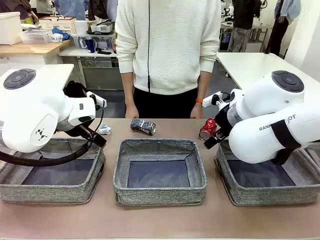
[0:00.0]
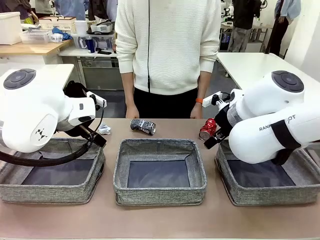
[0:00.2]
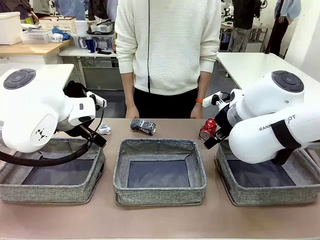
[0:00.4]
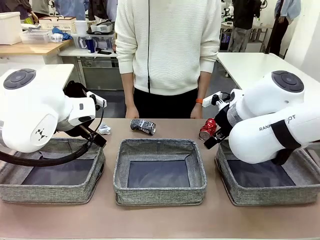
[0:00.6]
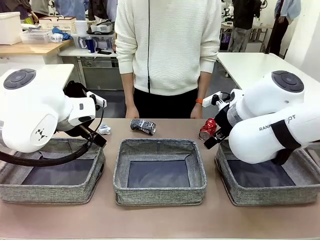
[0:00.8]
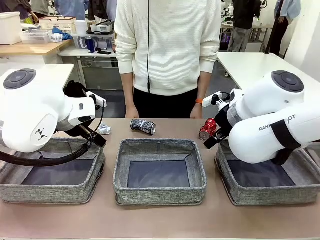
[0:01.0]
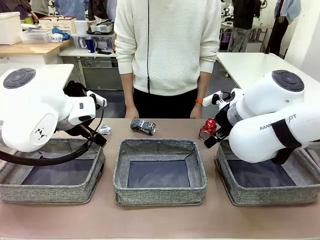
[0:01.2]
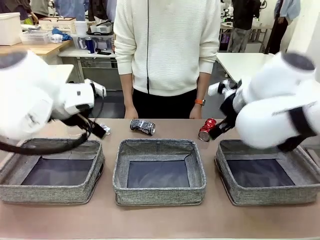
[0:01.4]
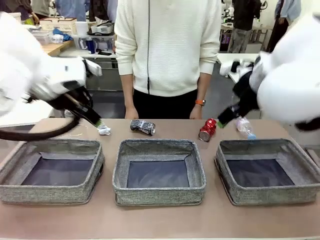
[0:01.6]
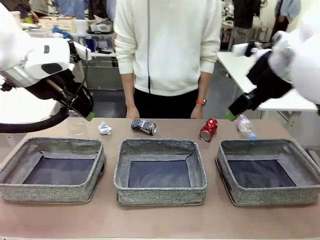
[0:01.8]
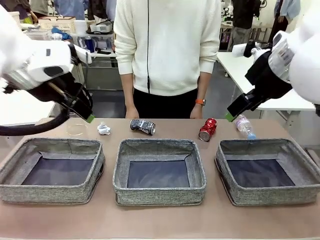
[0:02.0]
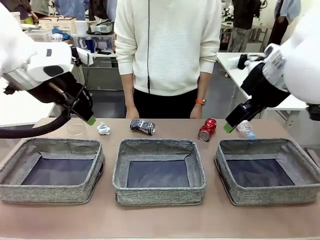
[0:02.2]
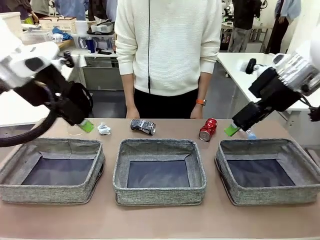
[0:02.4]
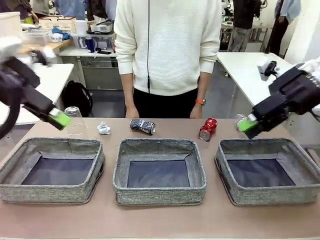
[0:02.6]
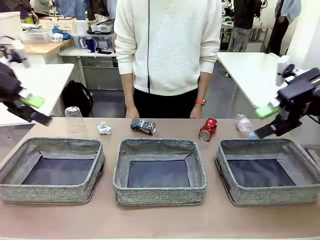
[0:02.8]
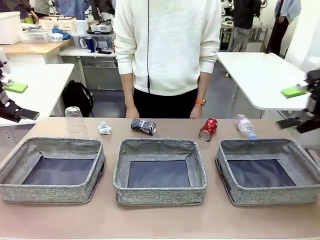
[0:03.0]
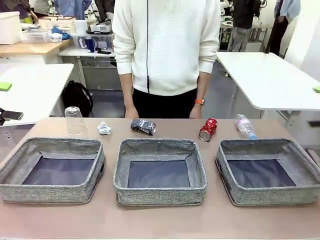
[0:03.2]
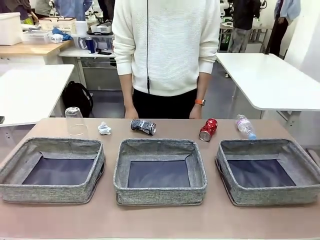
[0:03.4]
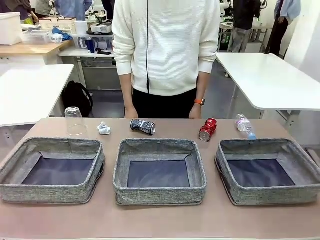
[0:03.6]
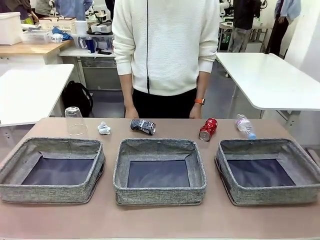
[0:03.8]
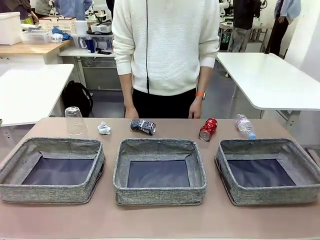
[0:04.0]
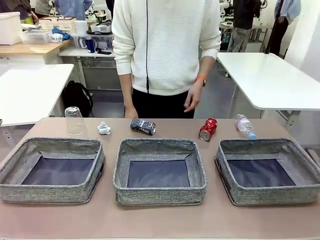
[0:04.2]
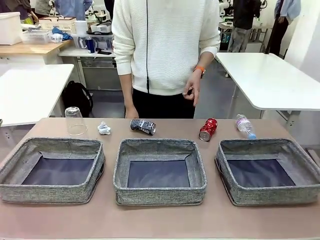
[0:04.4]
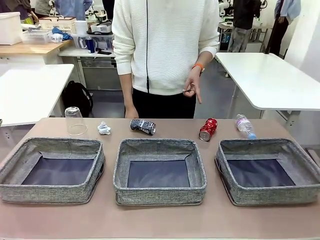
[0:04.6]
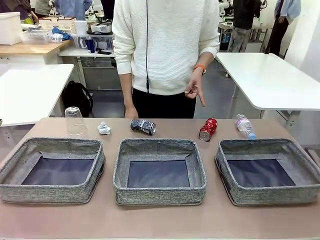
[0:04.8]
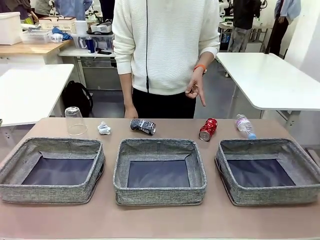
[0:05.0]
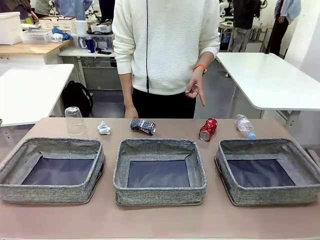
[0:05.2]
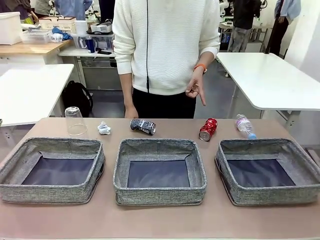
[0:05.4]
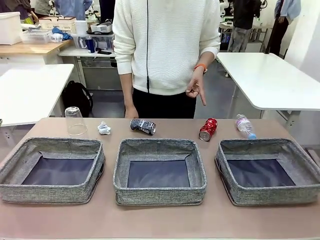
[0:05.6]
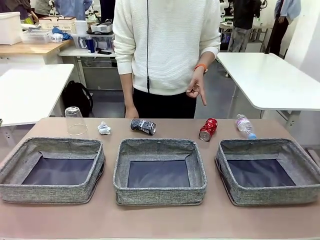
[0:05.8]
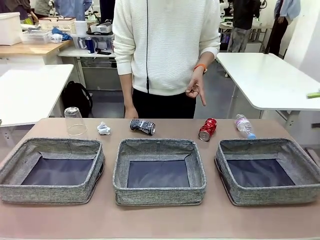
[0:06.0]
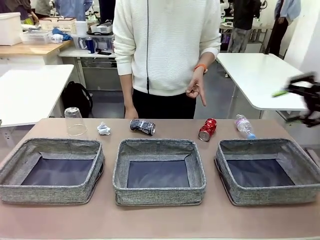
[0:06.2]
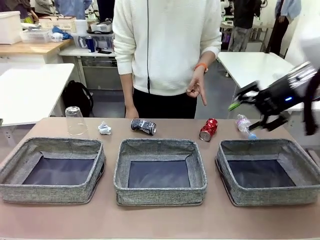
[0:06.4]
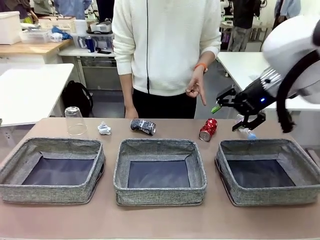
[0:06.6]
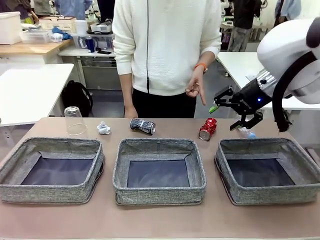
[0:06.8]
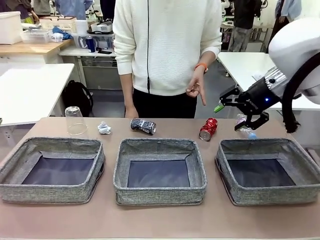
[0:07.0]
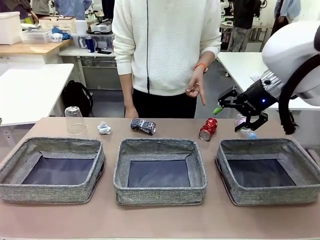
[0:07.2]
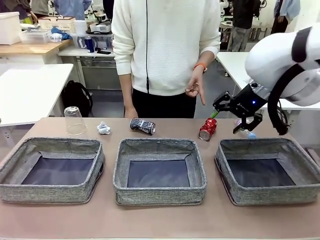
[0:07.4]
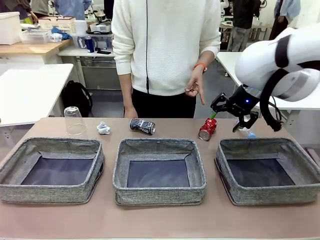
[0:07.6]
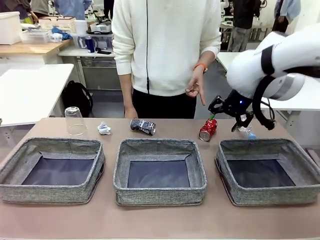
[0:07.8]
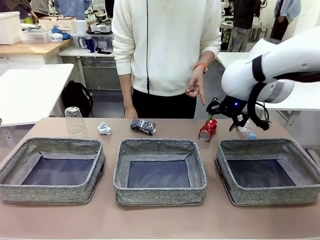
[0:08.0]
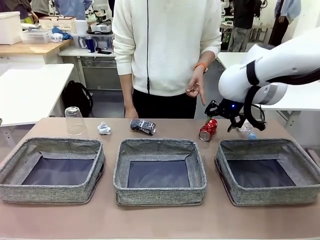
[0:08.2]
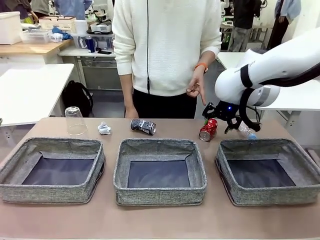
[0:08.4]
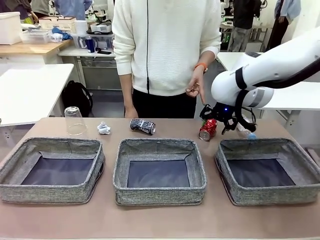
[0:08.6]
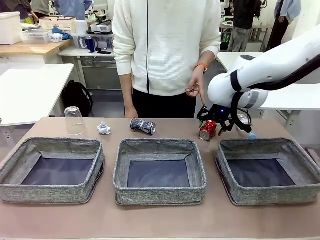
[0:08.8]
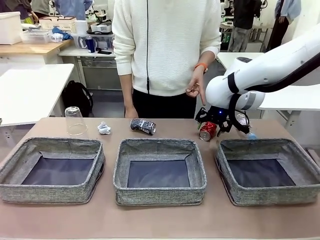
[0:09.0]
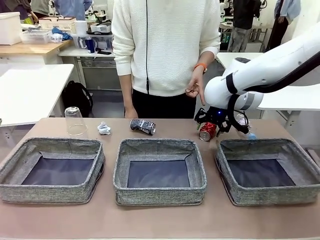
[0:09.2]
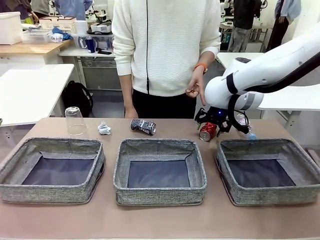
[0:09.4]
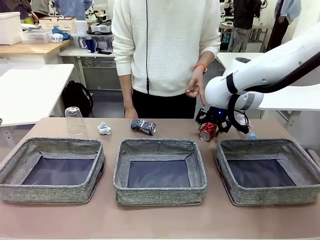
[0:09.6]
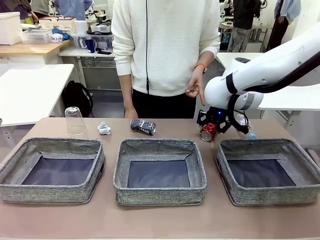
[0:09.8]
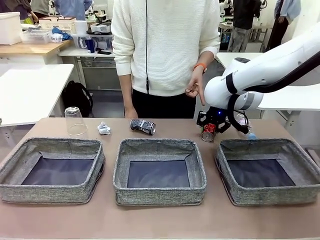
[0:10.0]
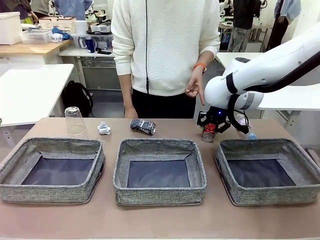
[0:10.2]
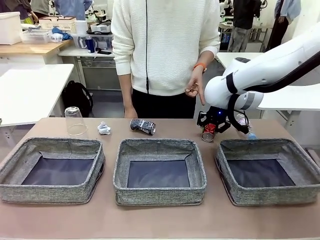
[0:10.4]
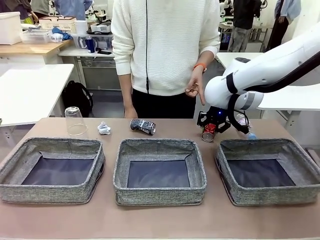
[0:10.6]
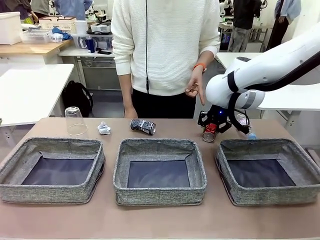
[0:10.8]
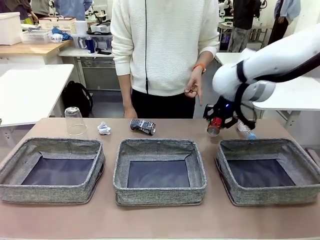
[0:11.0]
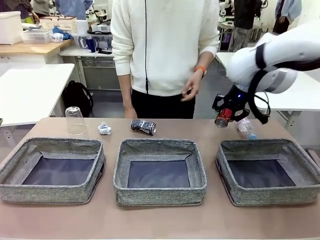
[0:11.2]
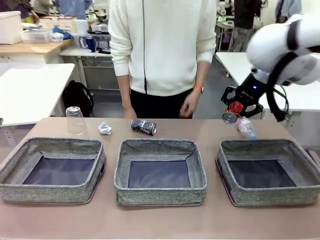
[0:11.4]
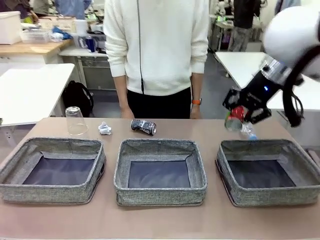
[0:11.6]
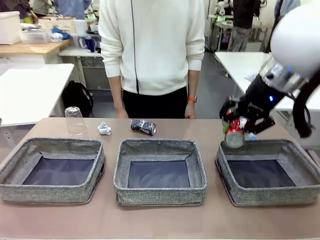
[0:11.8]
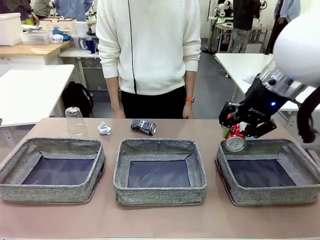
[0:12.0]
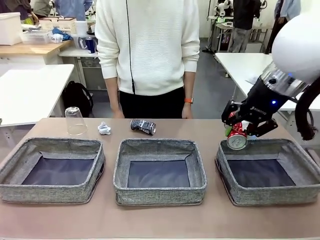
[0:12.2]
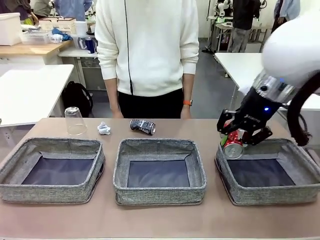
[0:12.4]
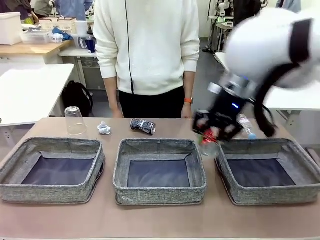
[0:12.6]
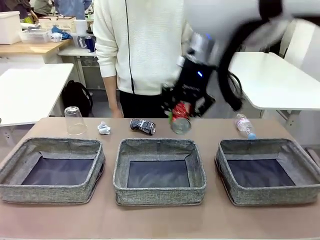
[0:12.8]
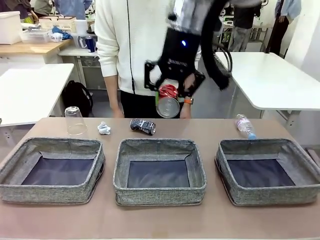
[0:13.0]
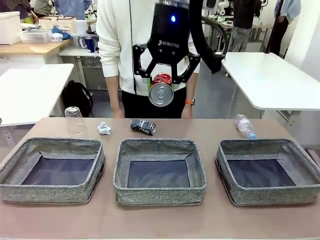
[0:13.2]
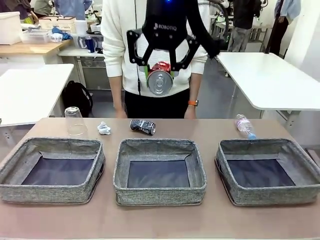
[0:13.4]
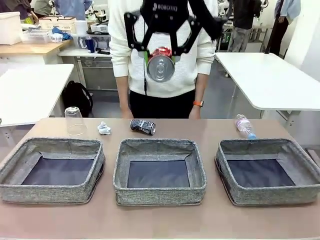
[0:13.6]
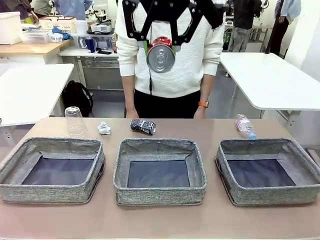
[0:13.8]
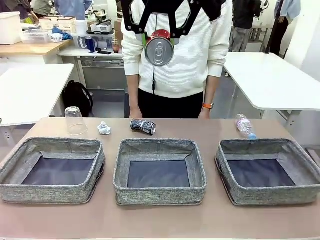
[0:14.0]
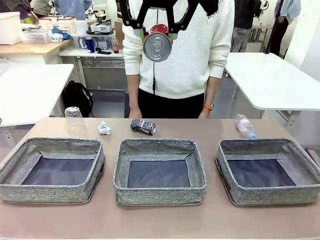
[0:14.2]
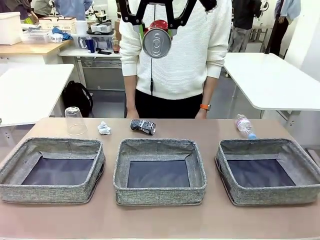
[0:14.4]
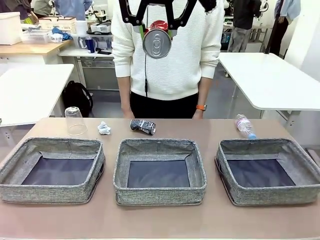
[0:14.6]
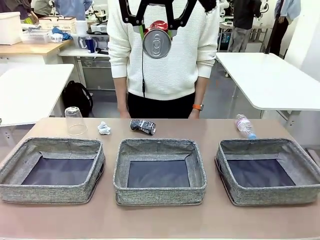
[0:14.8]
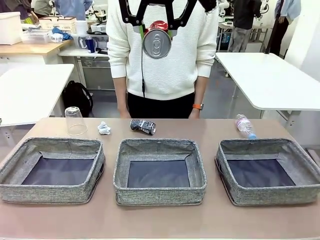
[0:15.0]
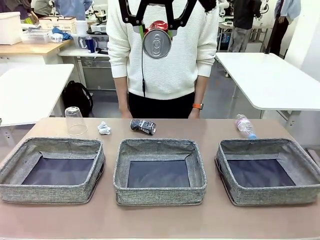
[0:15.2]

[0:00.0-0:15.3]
Task: Sort the waste into the appropriate baskets.
Robot: Pick up the waste item pointed out by the person.
Person: Points to one piece of trash on the table.

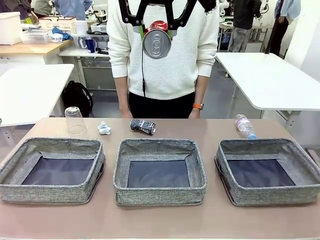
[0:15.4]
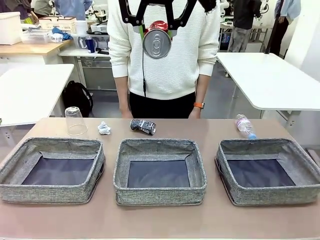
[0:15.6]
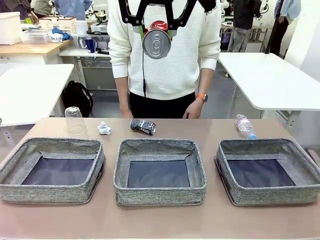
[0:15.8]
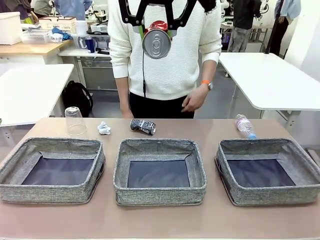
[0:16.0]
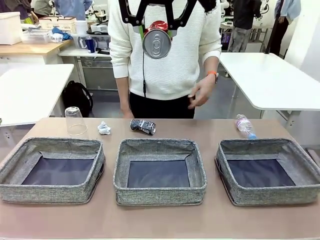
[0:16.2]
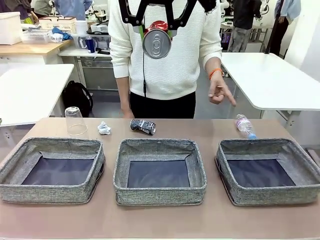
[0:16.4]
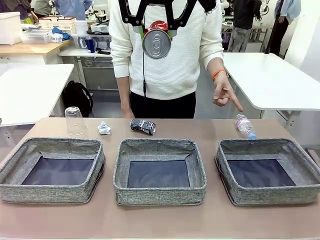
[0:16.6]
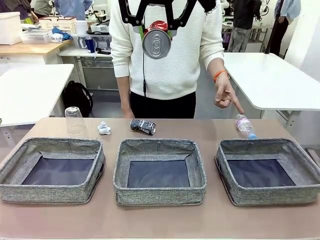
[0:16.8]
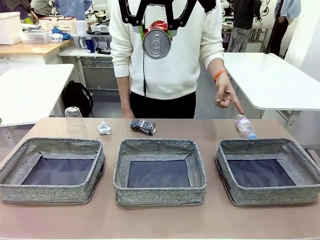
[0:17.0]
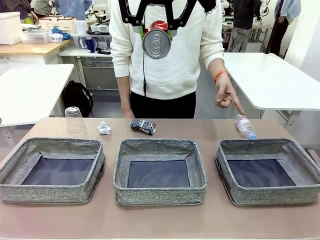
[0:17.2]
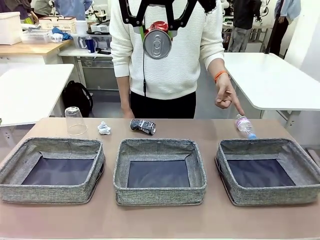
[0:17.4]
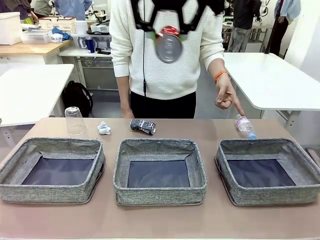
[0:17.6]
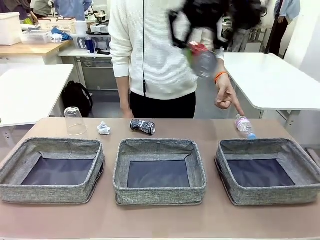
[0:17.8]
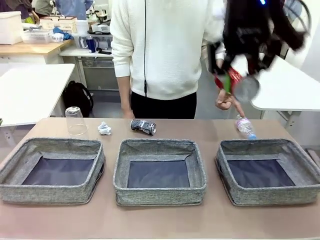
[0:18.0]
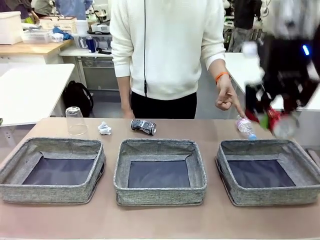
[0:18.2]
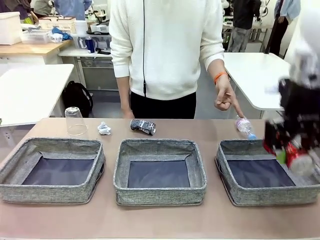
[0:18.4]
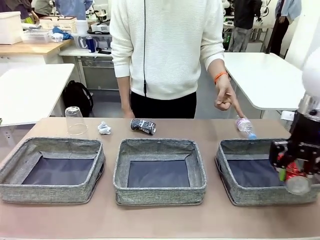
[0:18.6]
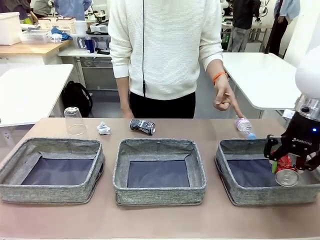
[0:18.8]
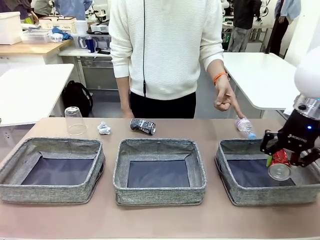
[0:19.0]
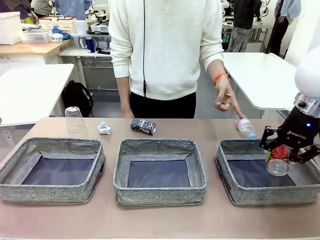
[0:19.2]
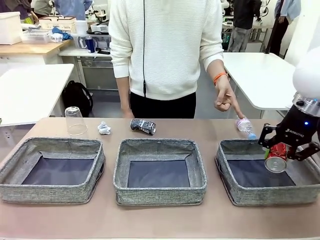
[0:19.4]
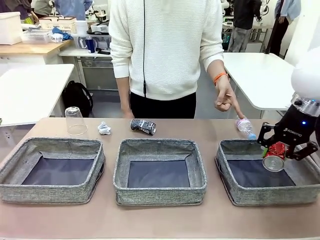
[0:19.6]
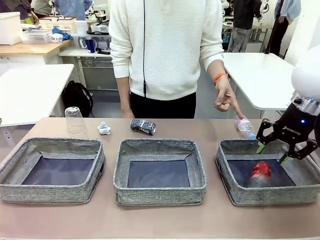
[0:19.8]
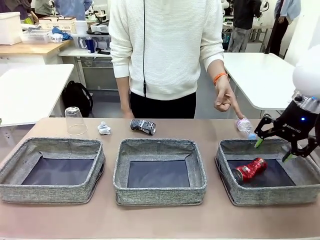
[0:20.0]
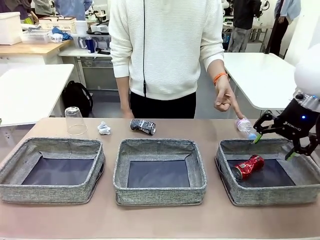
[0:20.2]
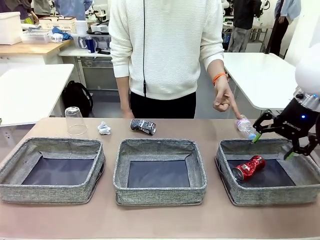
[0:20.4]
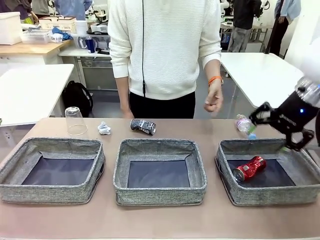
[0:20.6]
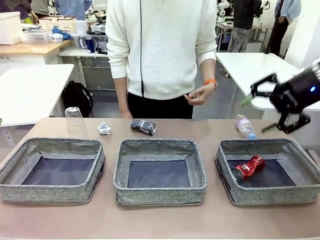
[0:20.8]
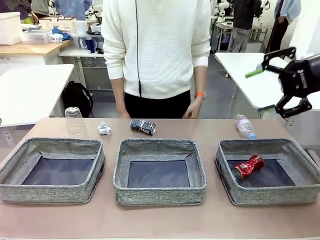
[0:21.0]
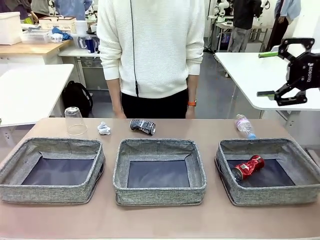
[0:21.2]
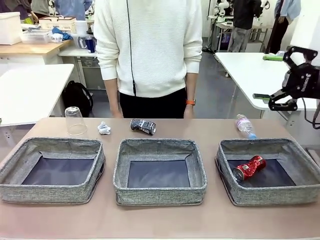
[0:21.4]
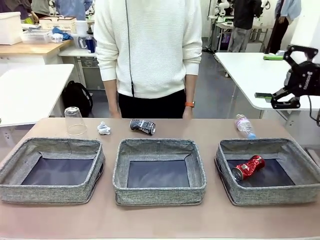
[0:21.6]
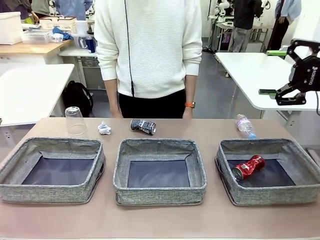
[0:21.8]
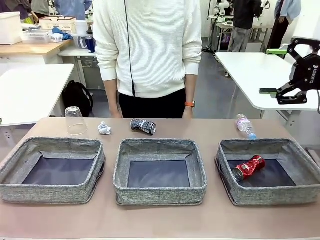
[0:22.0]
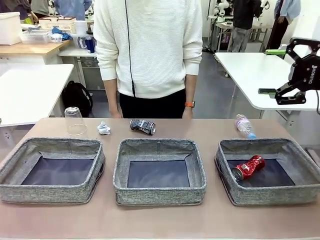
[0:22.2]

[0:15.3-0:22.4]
Robot: Place the picked waste into the Fabric basket indicated by the person.
Person: Instructs the robot to place the picked-up trash into the appropriate organizing basket.
